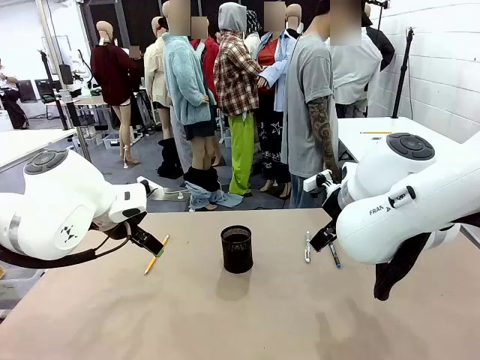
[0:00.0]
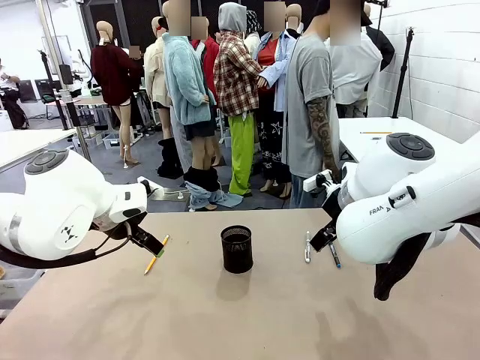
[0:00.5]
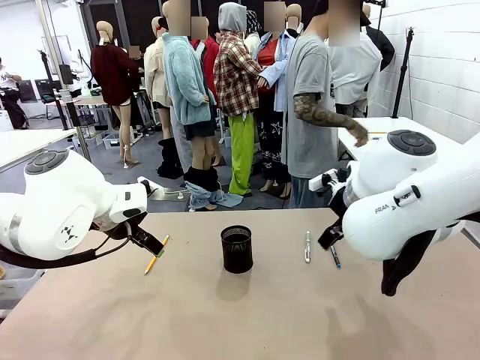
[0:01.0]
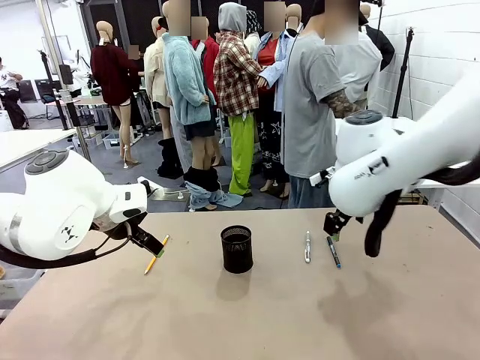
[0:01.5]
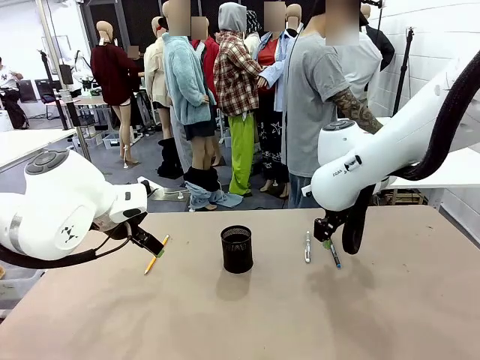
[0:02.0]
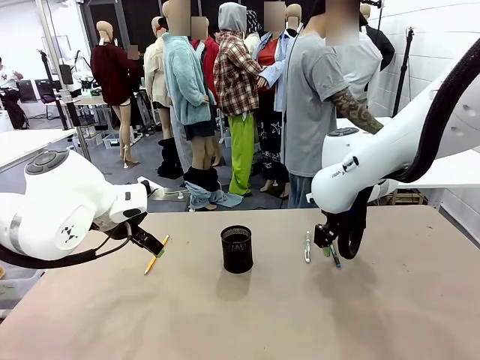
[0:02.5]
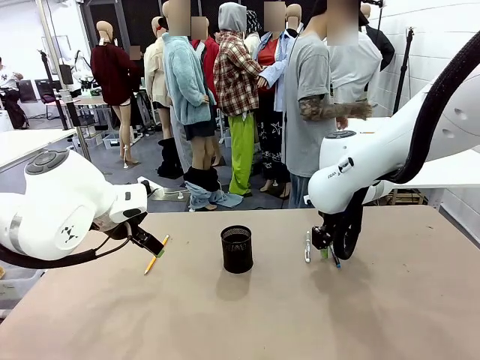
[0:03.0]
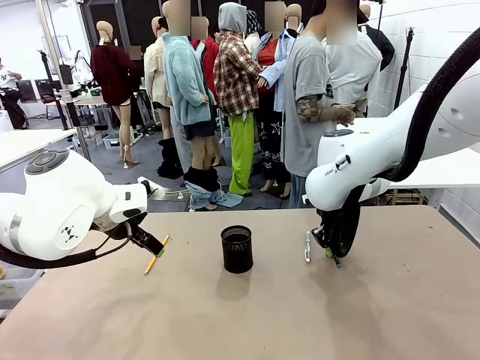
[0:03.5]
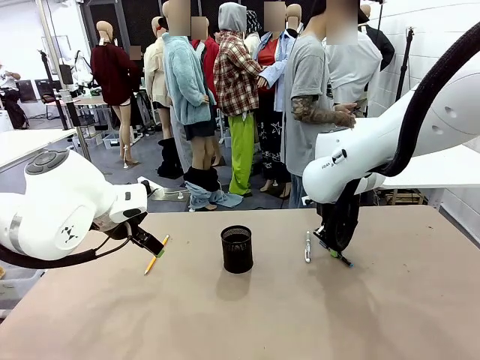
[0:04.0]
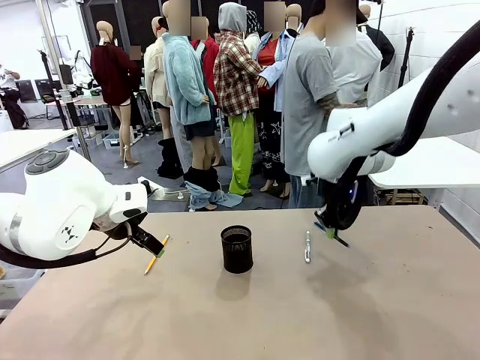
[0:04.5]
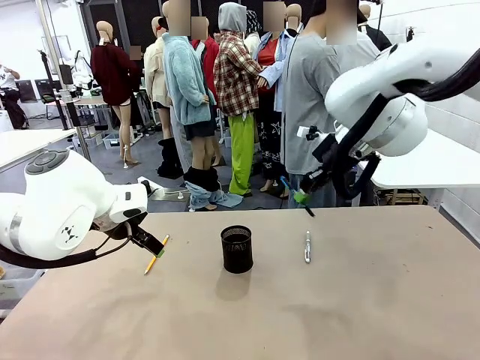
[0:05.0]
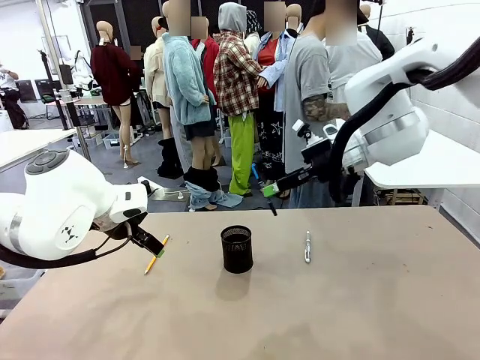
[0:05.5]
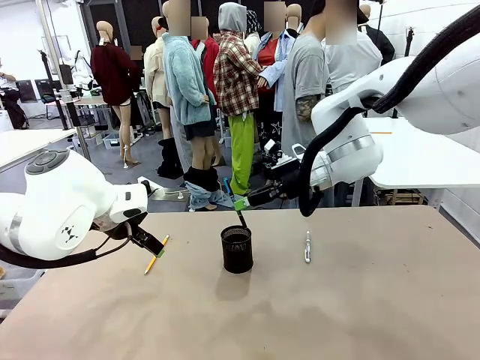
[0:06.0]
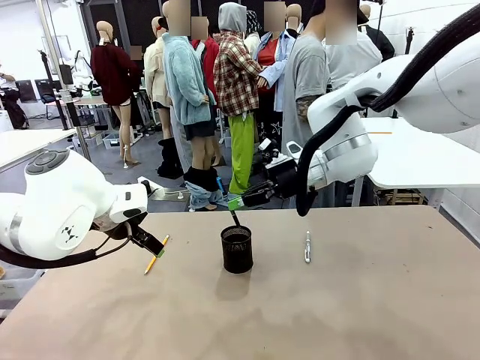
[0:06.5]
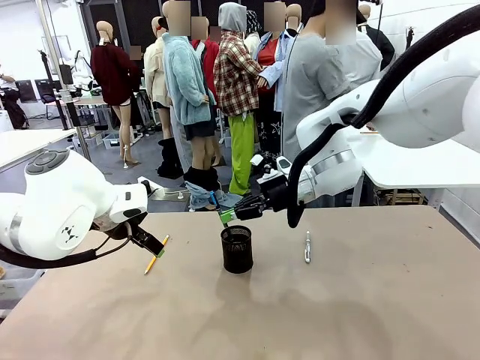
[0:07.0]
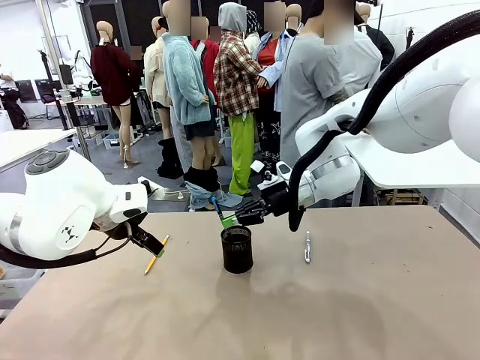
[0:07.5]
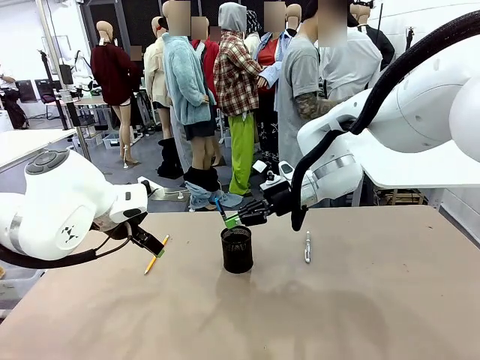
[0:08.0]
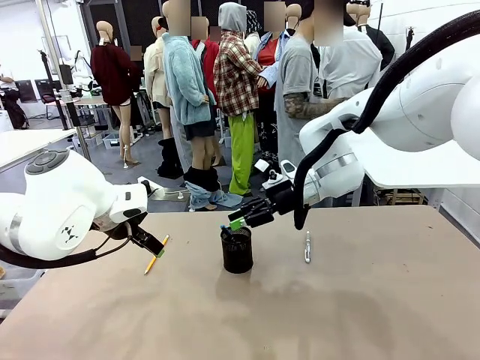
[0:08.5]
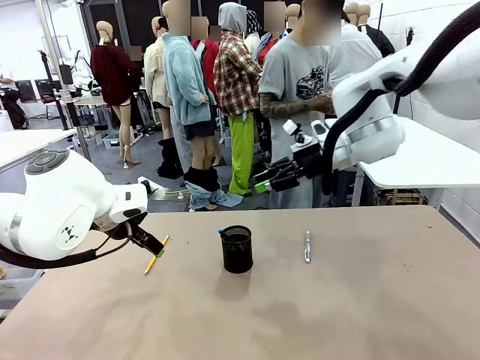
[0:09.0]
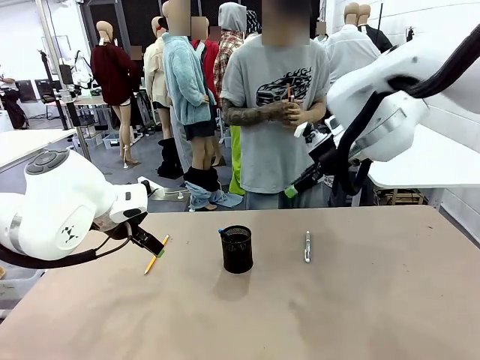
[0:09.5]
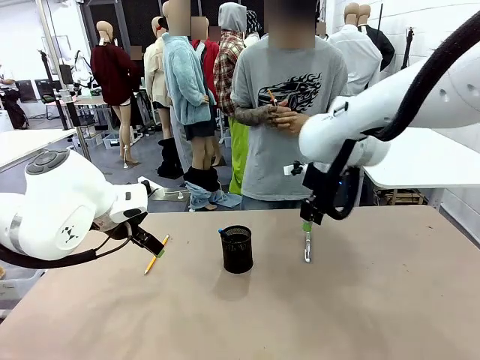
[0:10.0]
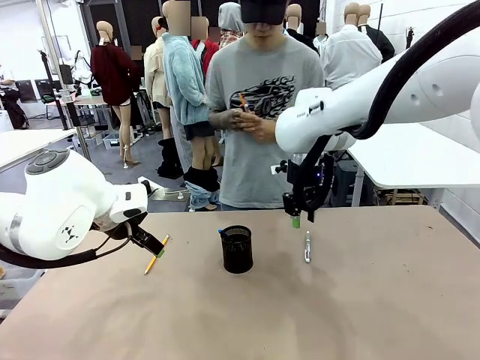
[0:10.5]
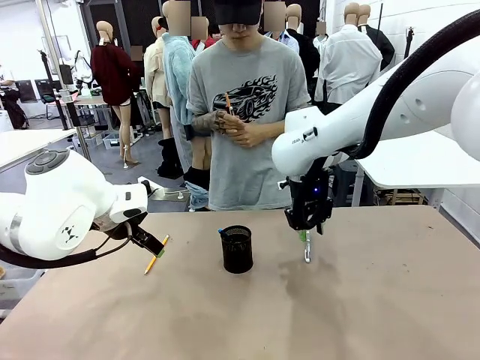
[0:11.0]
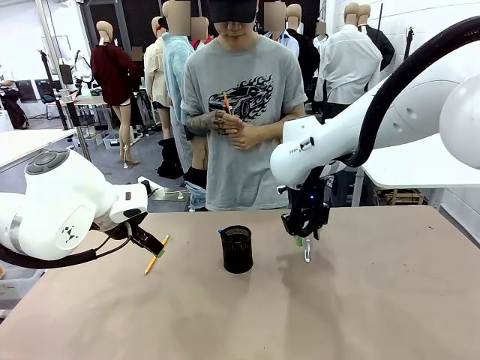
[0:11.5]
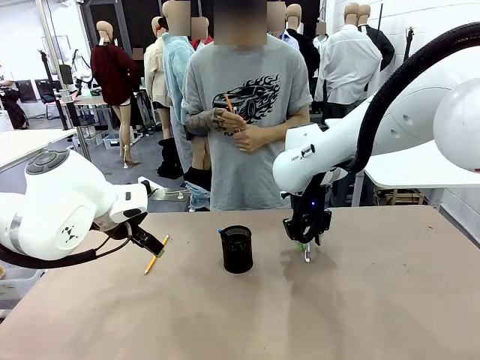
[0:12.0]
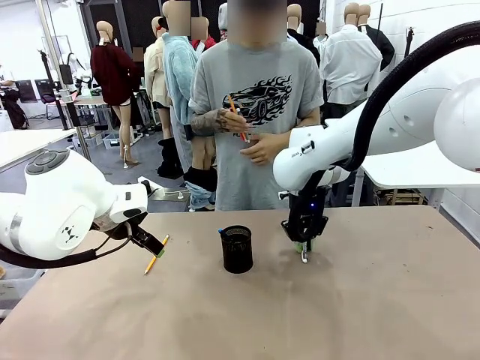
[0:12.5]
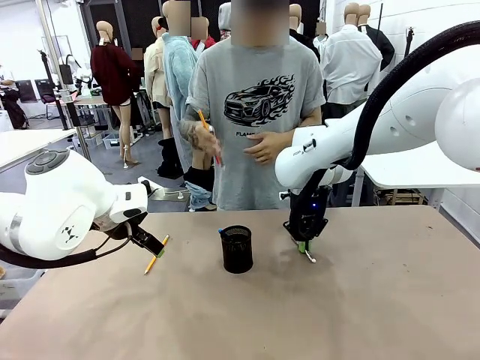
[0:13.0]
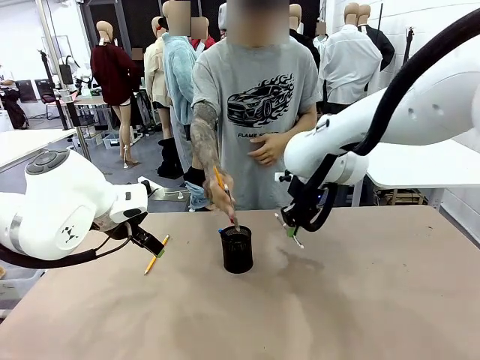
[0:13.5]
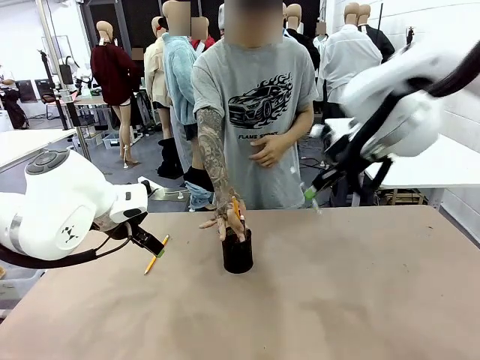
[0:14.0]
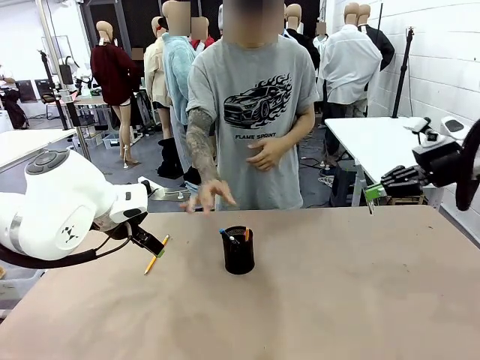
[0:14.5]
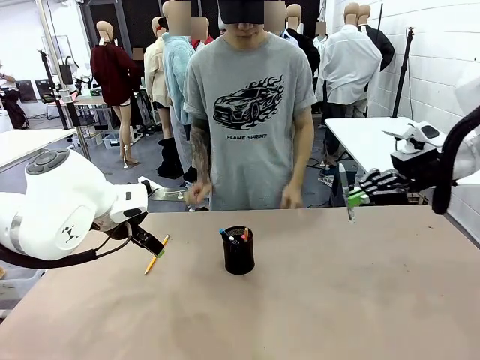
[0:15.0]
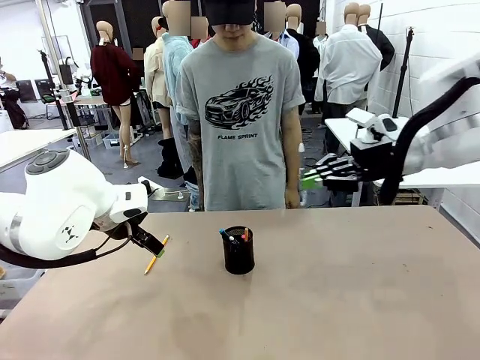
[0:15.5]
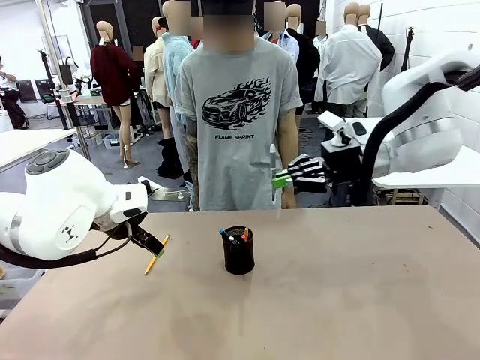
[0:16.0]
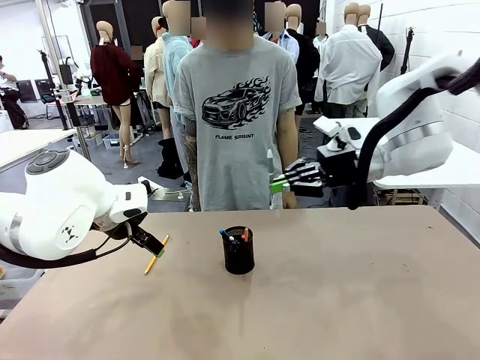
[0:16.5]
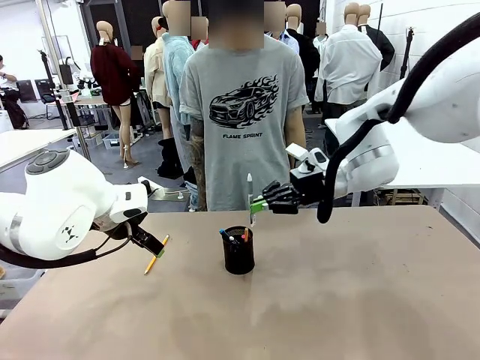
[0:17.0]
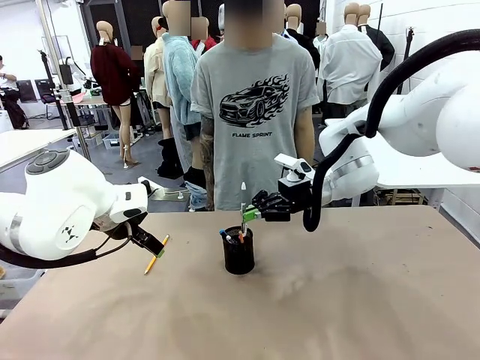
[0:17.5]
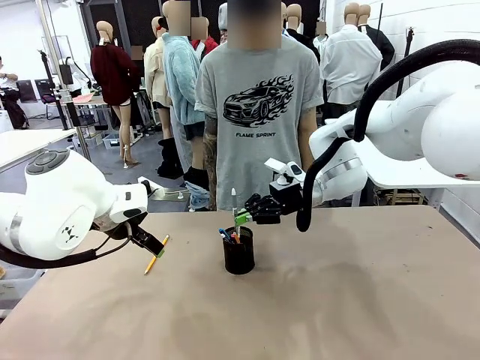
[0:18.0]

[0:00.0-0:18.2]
Task: Place the pens into the pen holder.
Robot: Pick up a writing instrument from the table and place it into the Pen holder.
Person: Pick up all writing instruments from the Human table.

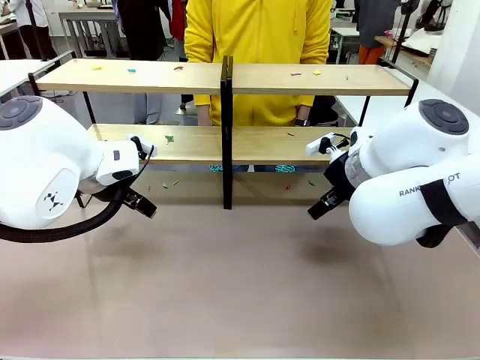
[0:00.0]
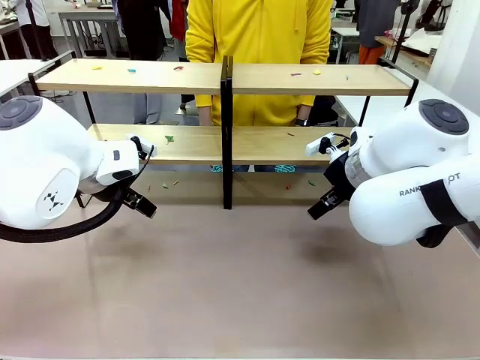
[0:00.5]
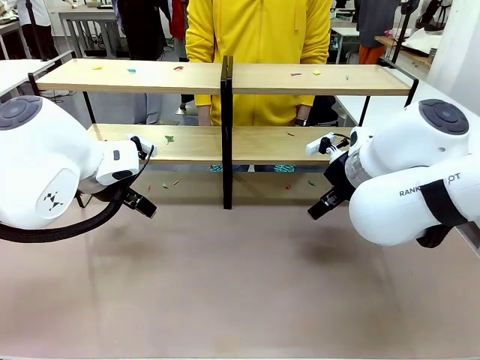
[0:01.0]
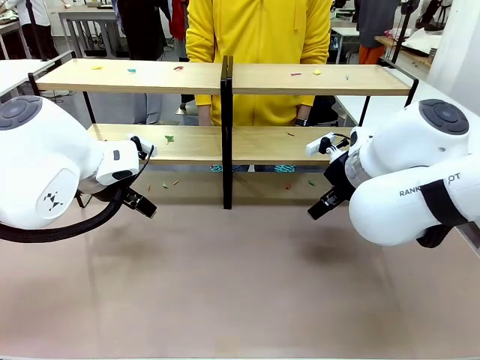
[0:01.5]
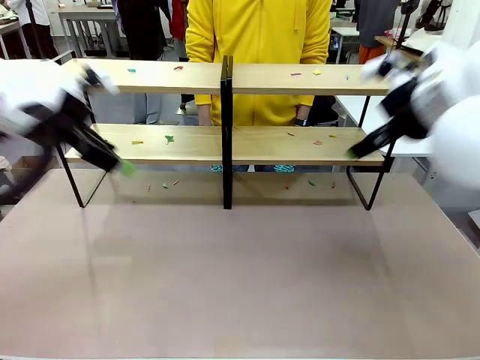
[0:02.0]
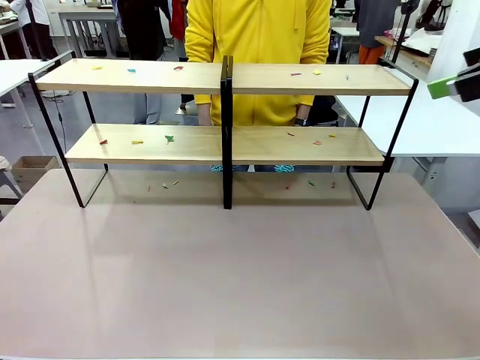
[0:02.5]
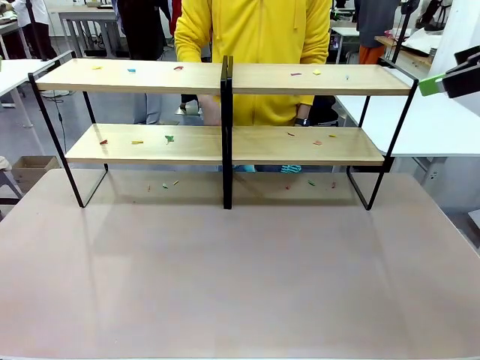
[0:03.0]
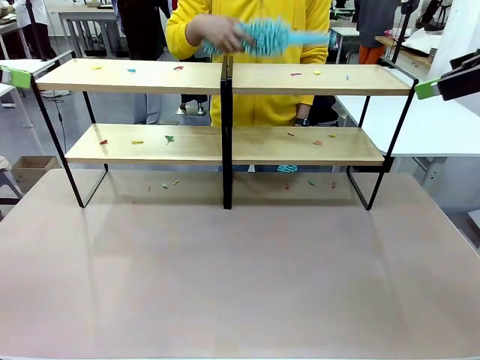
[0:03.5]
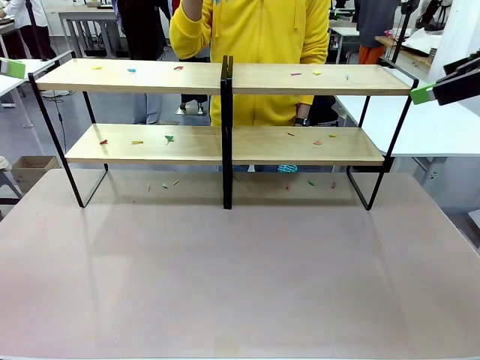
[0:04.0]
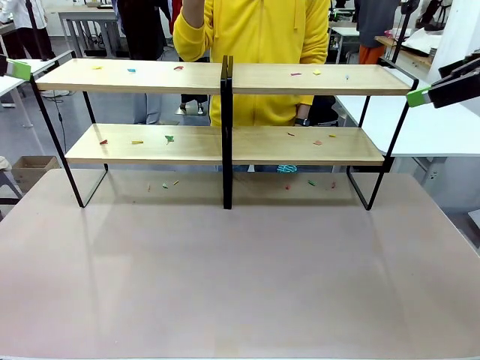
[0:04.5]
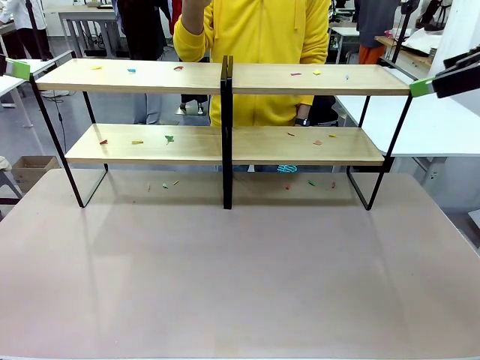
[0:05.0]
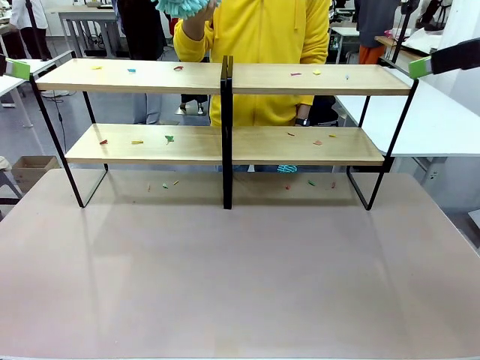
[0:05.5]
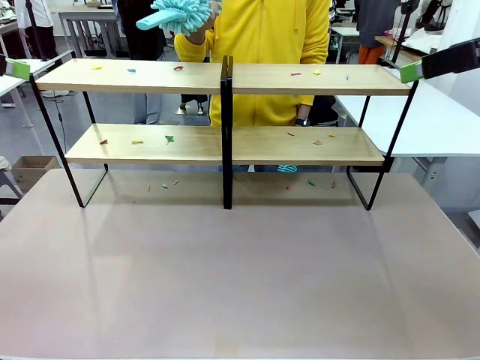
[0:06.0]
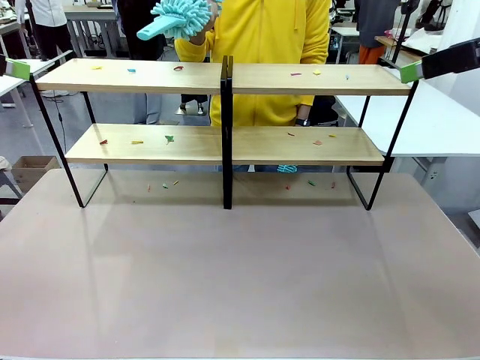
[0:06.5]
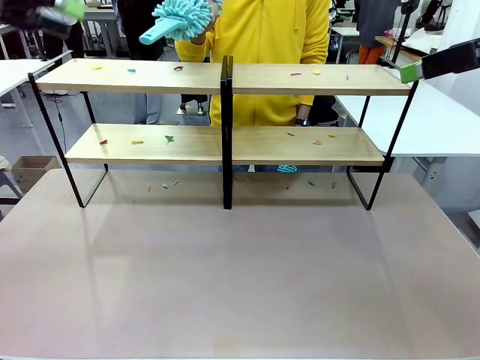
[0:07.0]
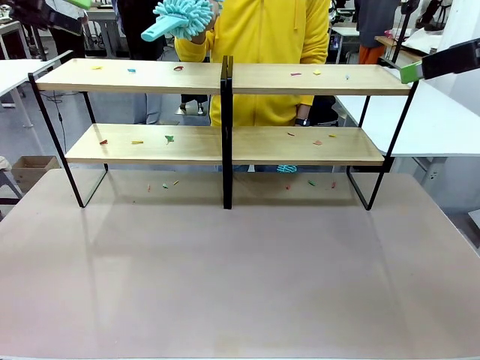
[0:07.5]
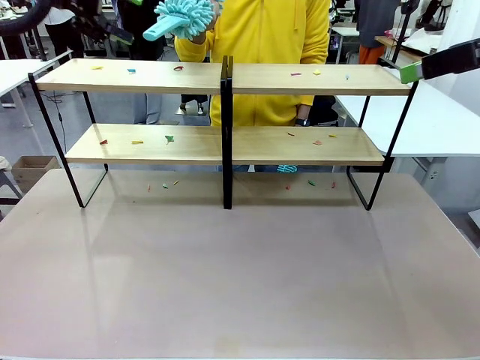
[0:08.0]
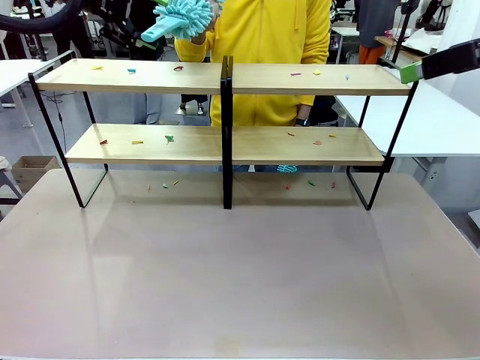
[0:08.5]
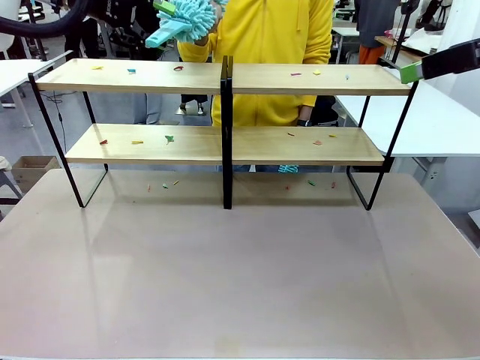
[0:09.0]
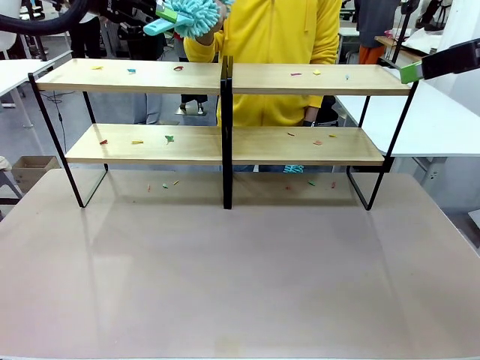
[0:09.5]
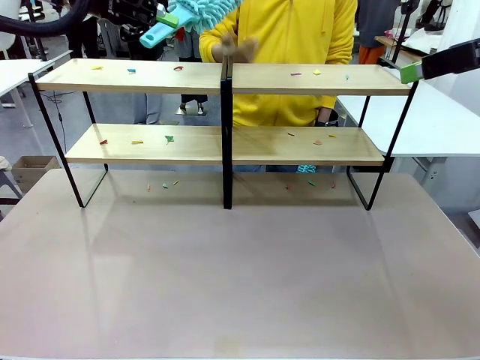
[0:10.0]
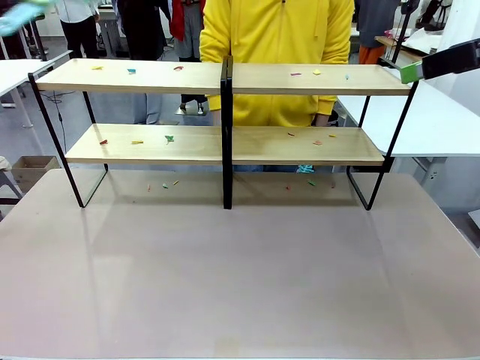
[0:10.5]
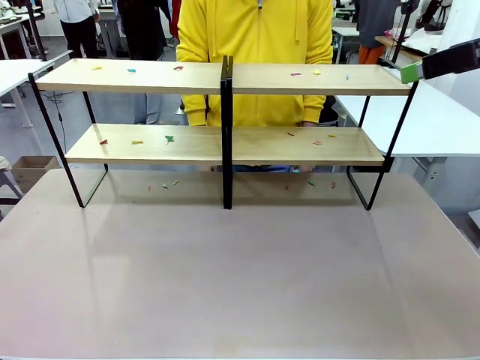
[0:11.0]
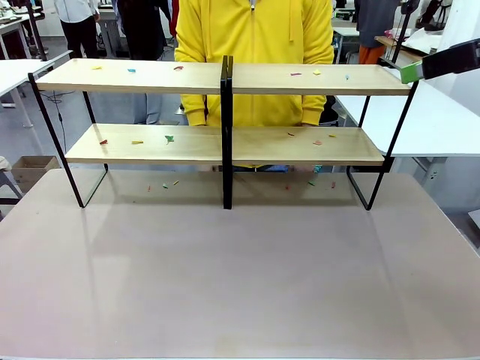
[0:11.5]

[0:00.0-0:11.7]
Task: Clean the shelves.
Robot: Pick up the Duster when the human hands it over.
Person: Hand the Duster to the robot with your right (or left) hand.
